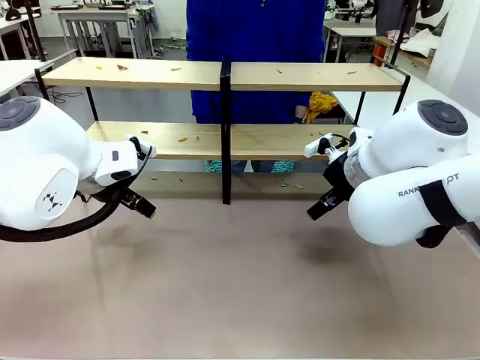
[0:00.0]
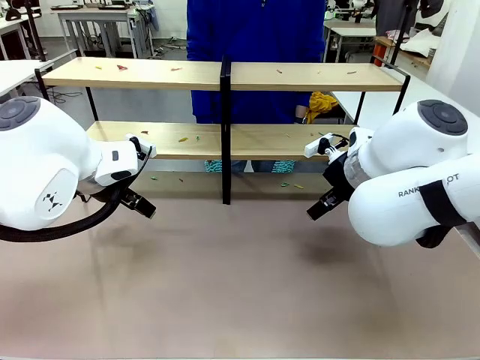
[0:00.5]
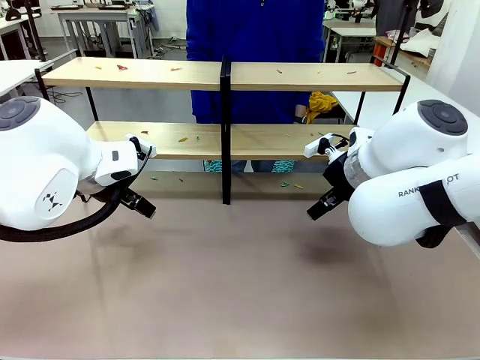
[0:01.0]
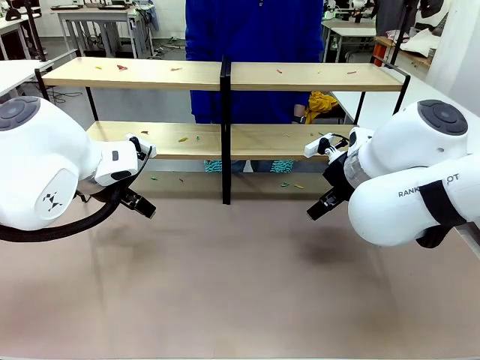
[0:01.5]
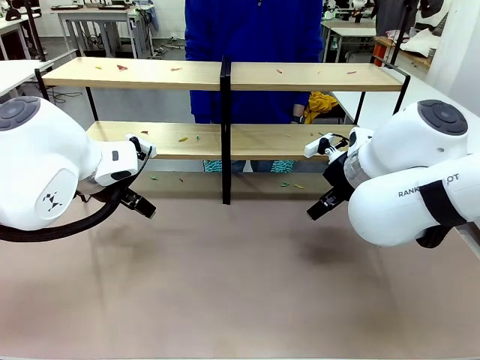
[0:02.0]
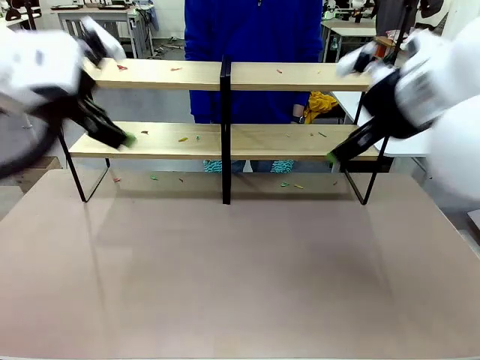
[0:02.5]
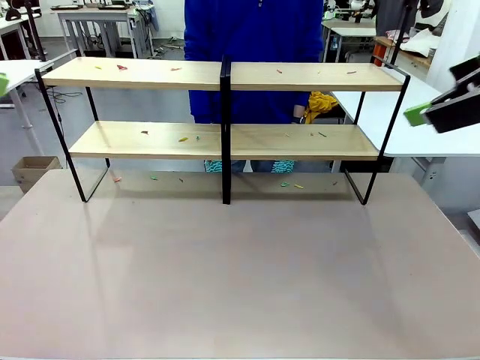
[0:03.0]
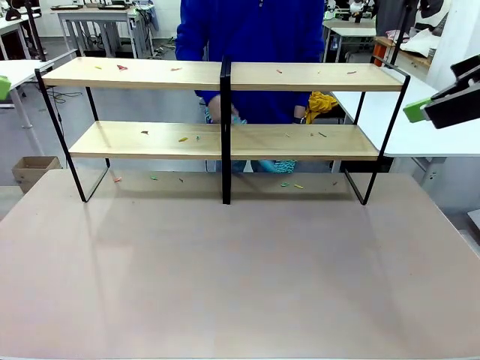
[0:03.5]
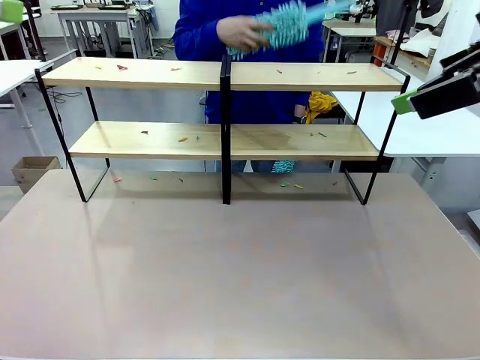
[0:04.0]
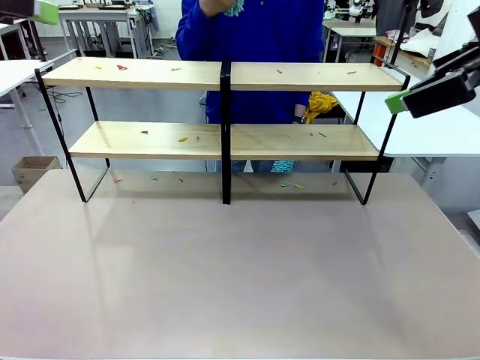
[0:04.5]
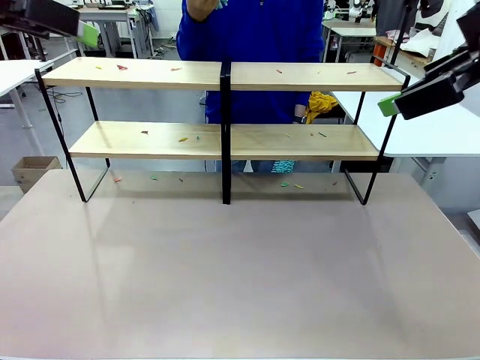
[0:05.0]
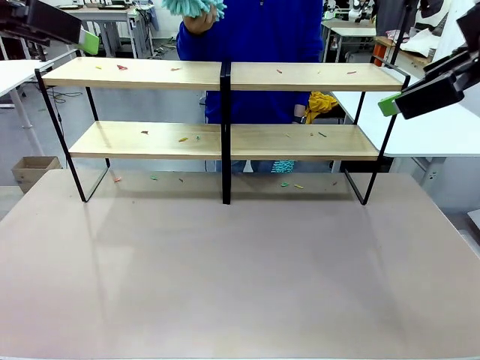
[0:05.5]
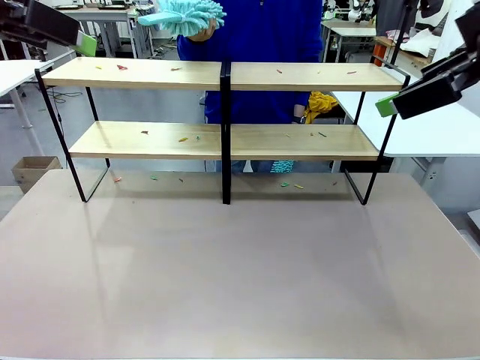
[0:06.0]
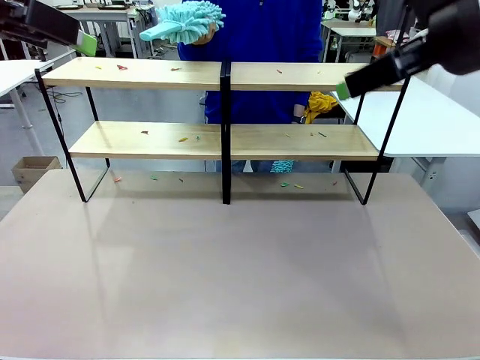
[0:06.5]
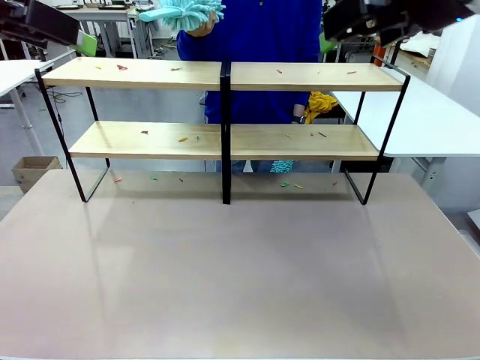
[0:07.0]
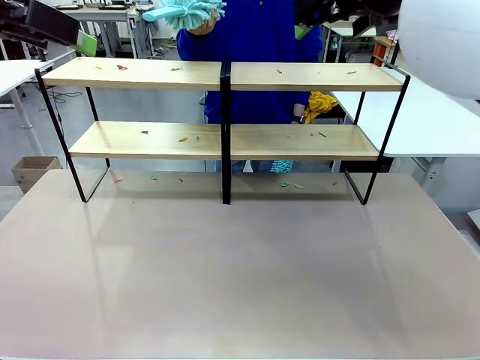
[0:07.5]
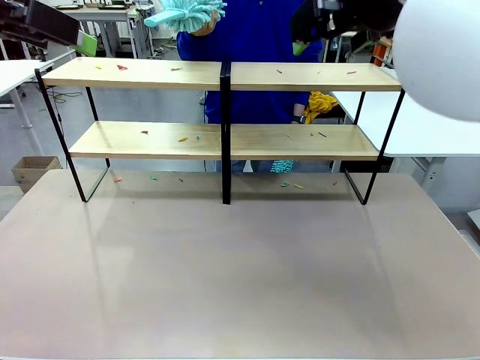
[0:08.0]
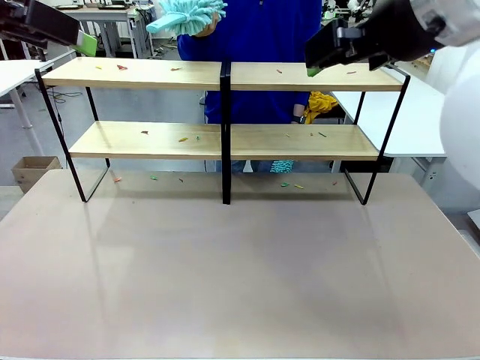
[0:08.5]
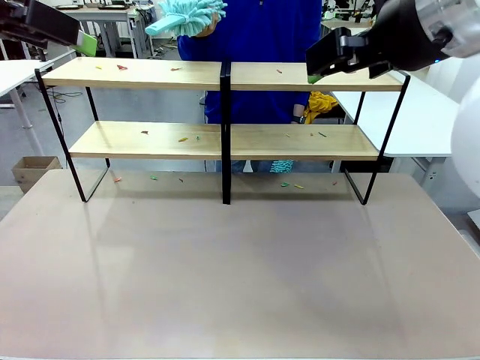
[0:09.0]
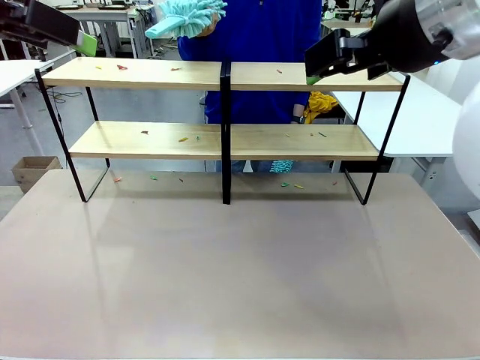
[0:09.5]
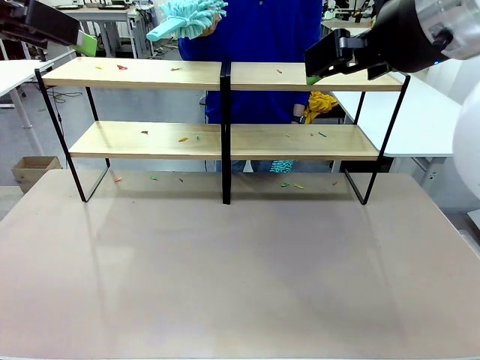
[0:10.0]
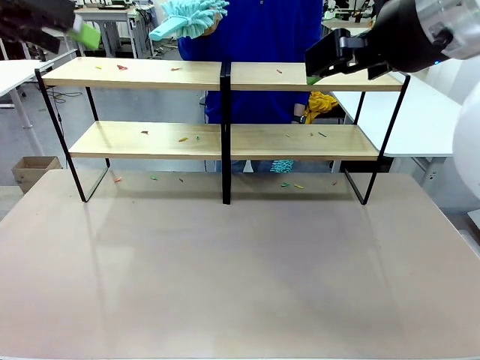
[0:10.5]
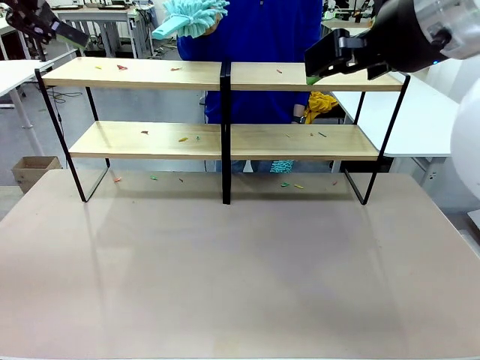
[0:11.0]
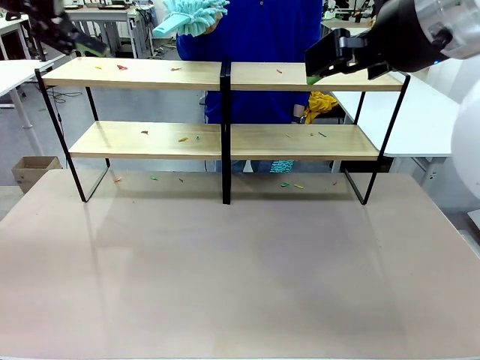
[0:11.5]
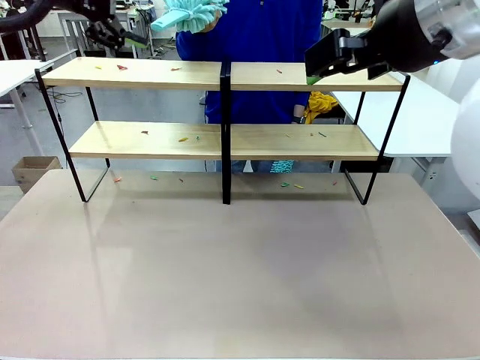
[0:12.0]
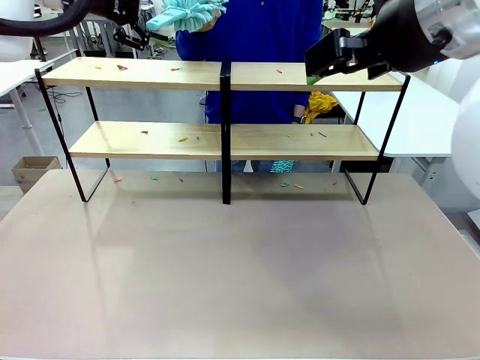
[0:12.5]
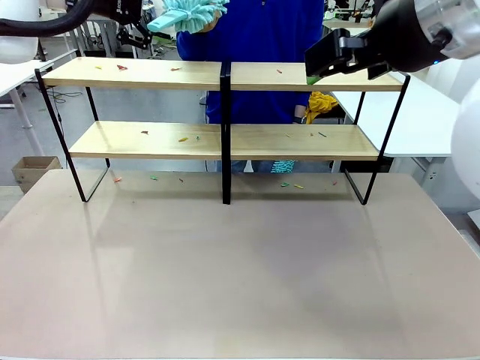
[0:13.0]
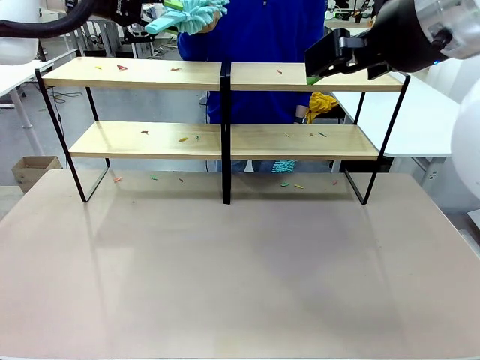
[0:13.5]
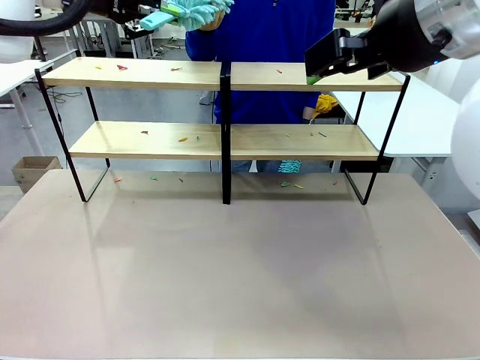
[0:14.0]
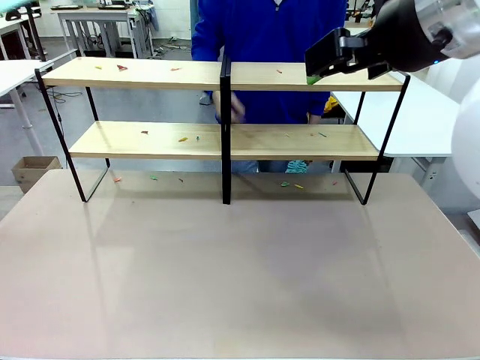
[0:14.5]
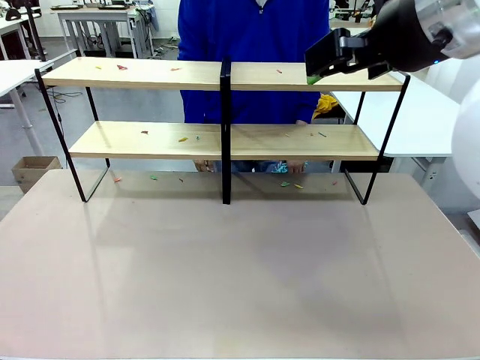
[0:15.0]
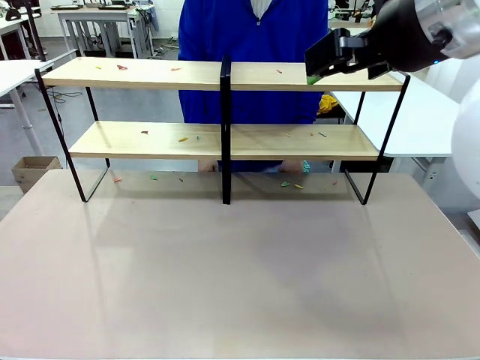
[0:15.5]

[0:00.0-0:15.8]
Task: Clean the shelves.
Robot: Pick up the Duster when the human hands it over.
Person: Hand the Duster to the robot with your right (or left) hand.
